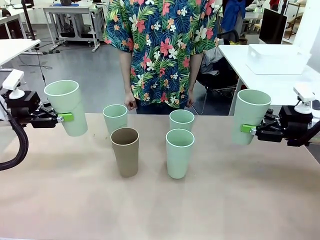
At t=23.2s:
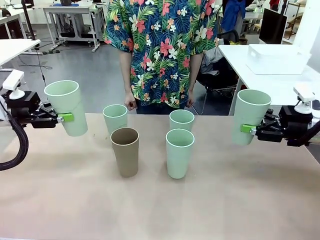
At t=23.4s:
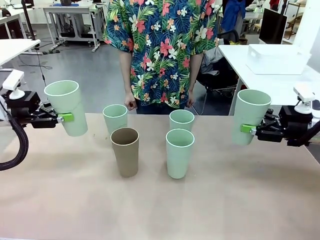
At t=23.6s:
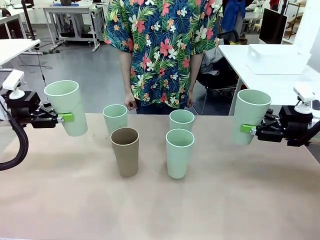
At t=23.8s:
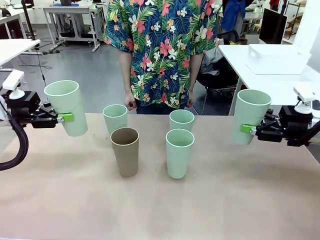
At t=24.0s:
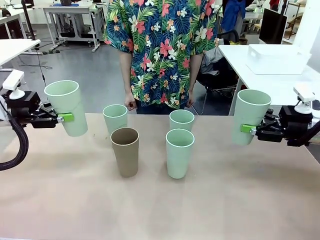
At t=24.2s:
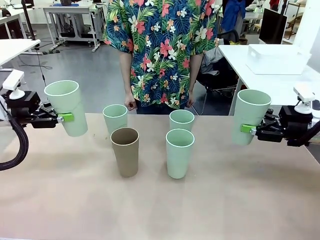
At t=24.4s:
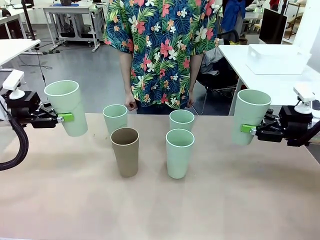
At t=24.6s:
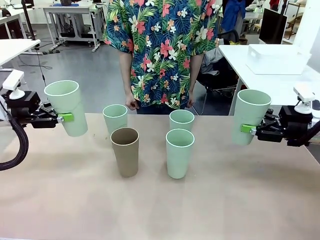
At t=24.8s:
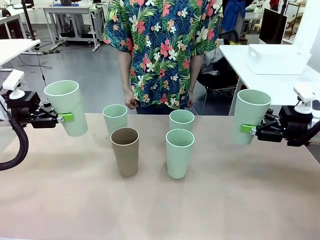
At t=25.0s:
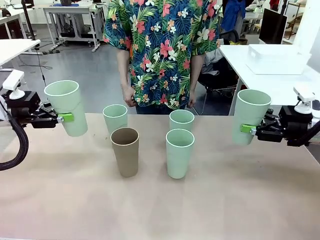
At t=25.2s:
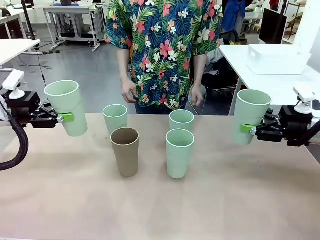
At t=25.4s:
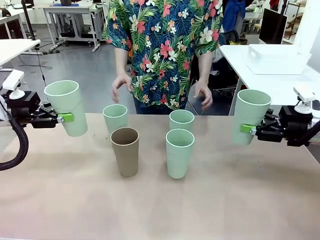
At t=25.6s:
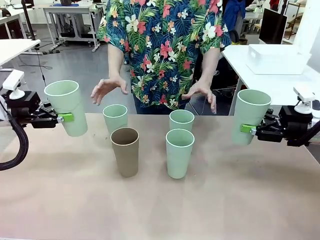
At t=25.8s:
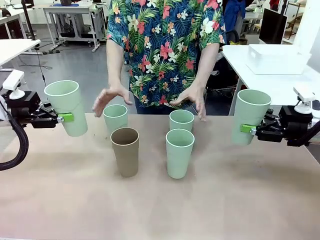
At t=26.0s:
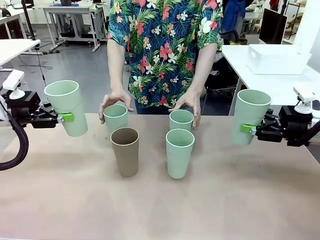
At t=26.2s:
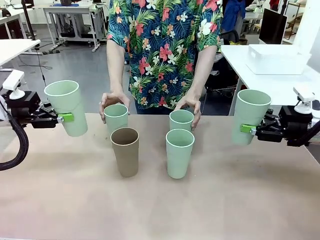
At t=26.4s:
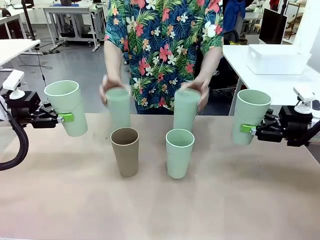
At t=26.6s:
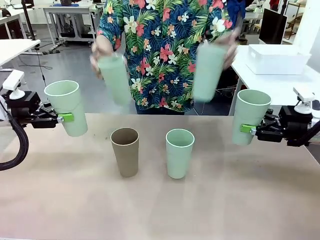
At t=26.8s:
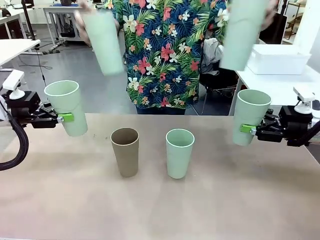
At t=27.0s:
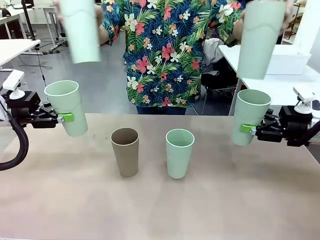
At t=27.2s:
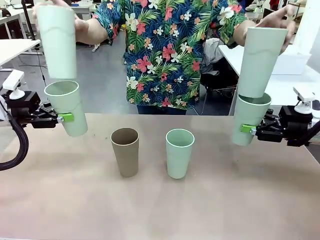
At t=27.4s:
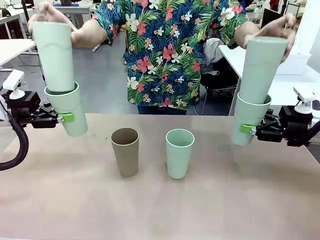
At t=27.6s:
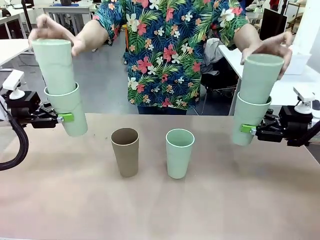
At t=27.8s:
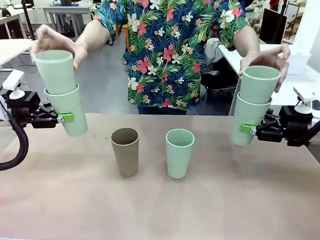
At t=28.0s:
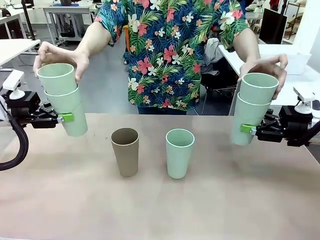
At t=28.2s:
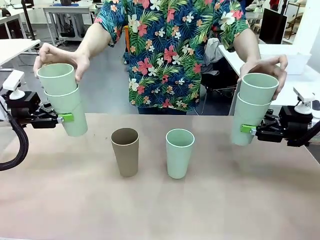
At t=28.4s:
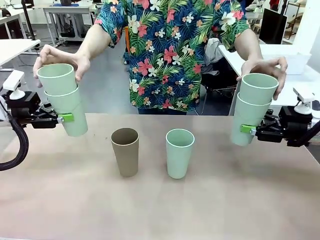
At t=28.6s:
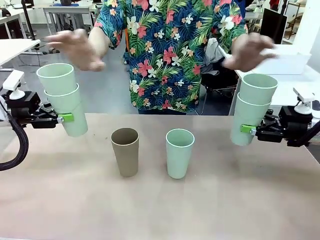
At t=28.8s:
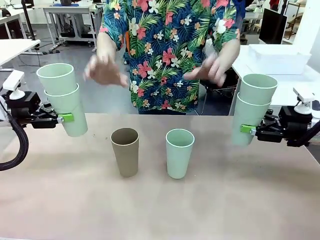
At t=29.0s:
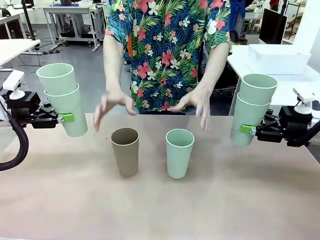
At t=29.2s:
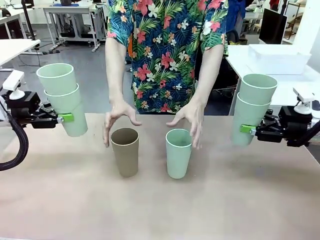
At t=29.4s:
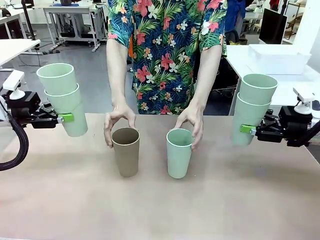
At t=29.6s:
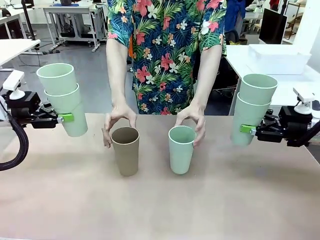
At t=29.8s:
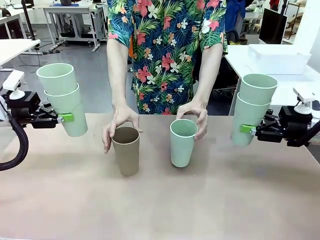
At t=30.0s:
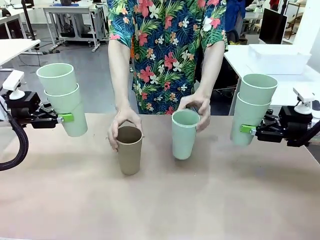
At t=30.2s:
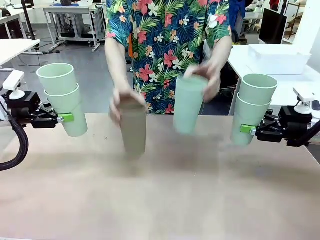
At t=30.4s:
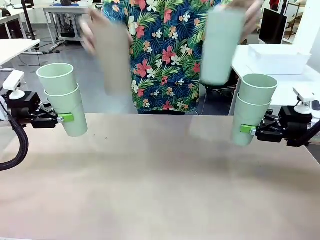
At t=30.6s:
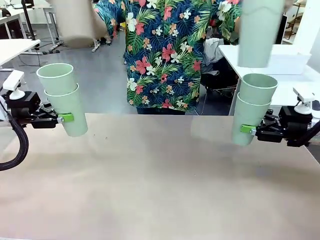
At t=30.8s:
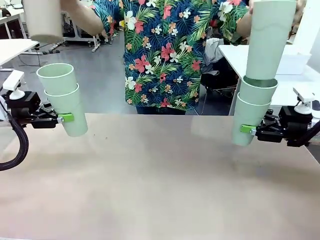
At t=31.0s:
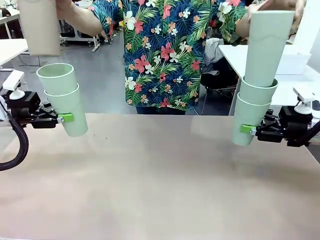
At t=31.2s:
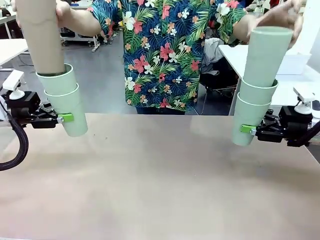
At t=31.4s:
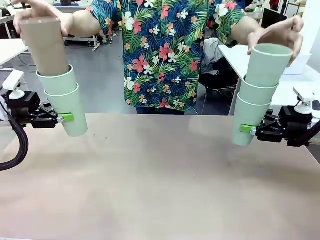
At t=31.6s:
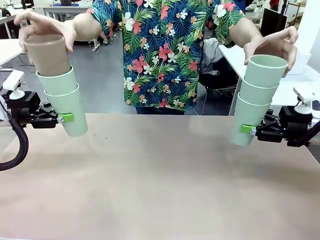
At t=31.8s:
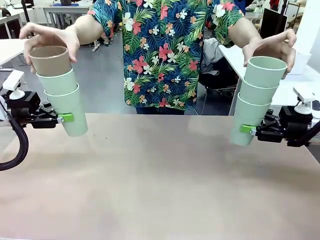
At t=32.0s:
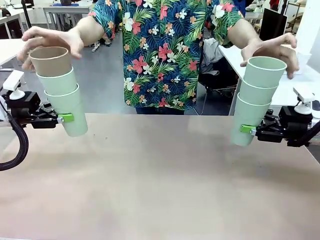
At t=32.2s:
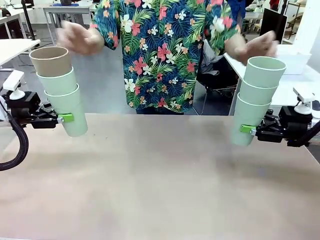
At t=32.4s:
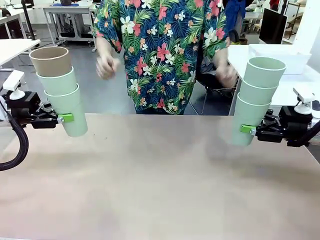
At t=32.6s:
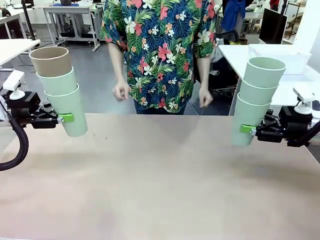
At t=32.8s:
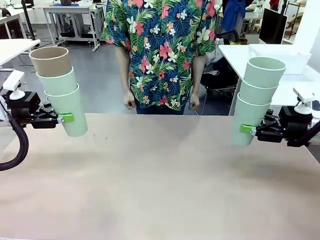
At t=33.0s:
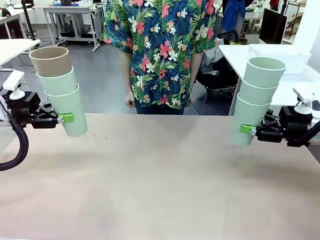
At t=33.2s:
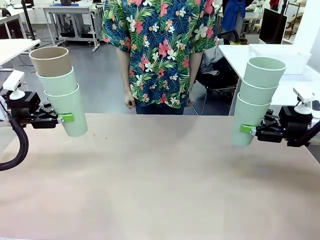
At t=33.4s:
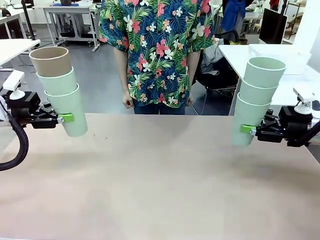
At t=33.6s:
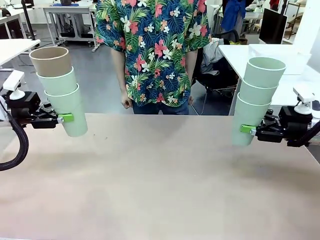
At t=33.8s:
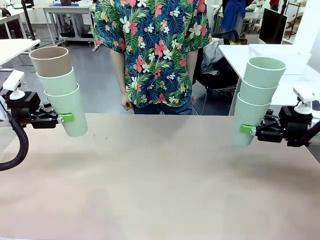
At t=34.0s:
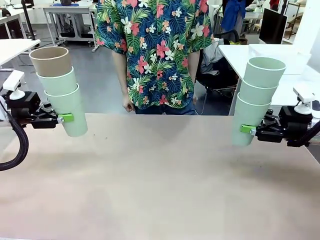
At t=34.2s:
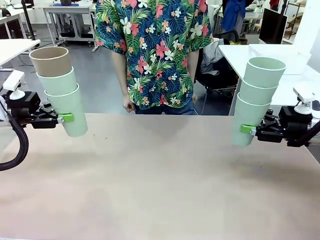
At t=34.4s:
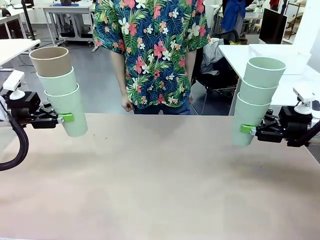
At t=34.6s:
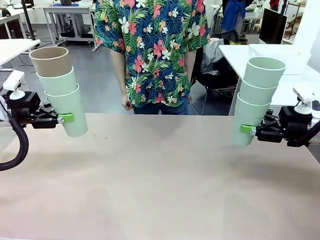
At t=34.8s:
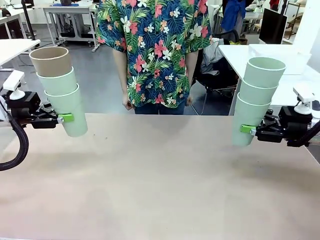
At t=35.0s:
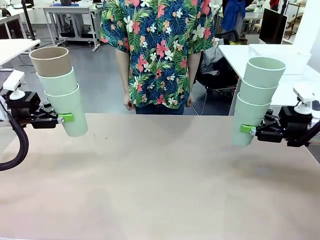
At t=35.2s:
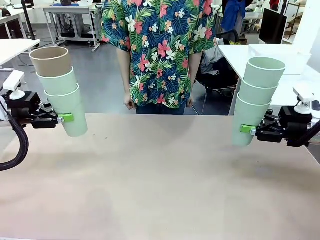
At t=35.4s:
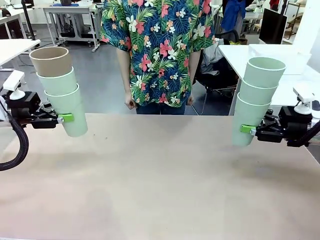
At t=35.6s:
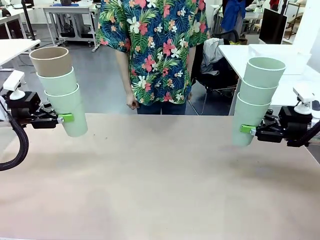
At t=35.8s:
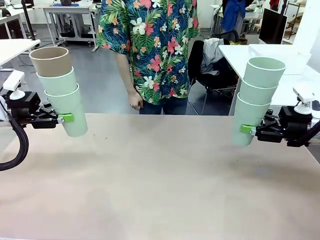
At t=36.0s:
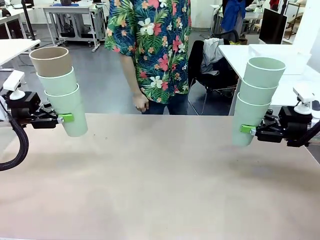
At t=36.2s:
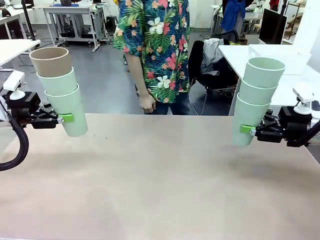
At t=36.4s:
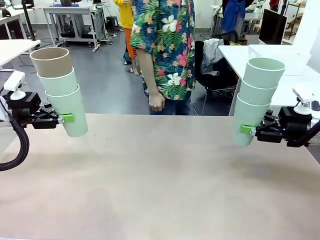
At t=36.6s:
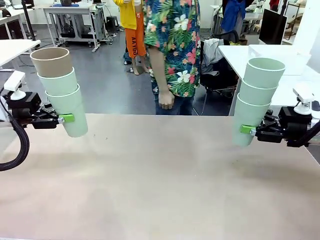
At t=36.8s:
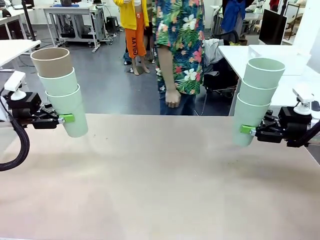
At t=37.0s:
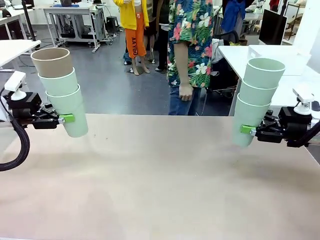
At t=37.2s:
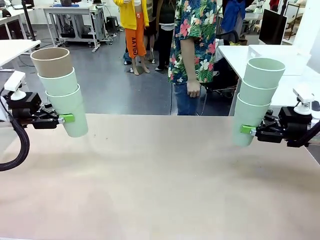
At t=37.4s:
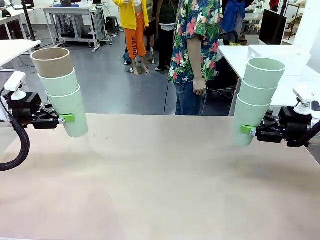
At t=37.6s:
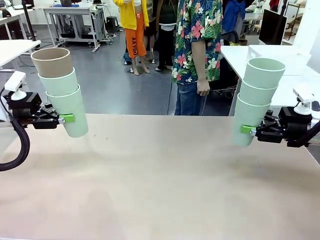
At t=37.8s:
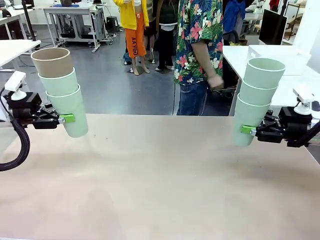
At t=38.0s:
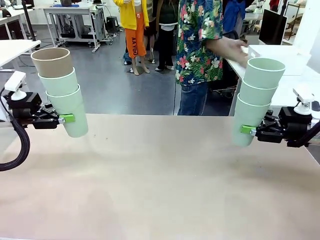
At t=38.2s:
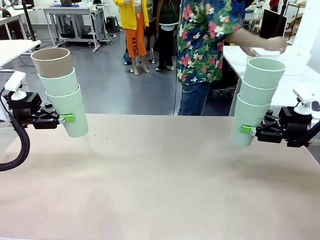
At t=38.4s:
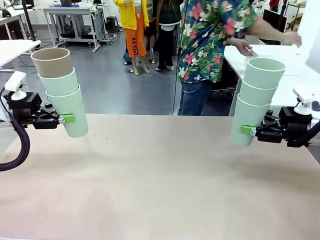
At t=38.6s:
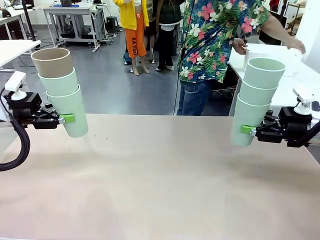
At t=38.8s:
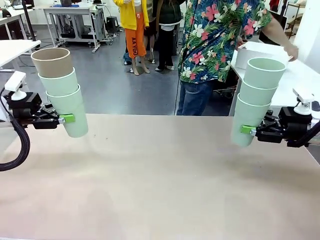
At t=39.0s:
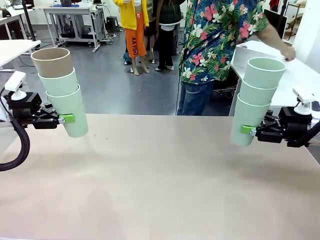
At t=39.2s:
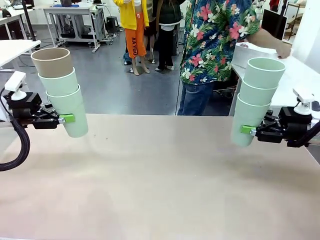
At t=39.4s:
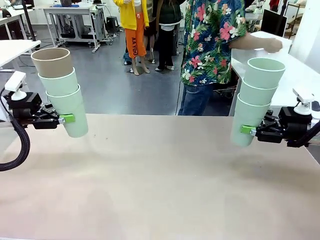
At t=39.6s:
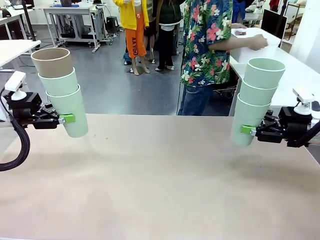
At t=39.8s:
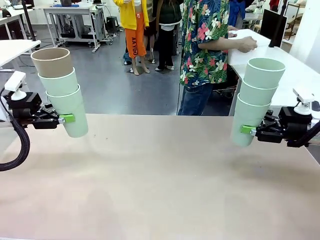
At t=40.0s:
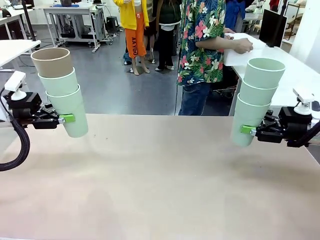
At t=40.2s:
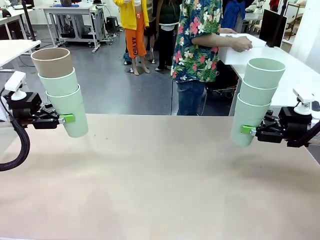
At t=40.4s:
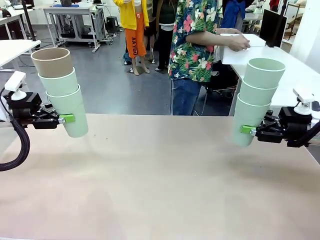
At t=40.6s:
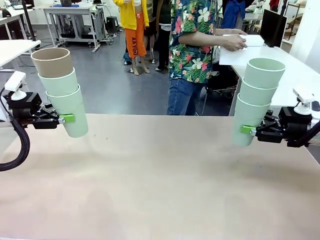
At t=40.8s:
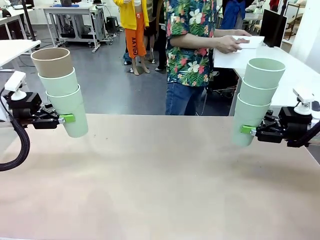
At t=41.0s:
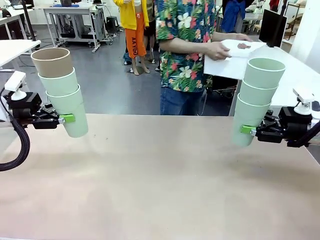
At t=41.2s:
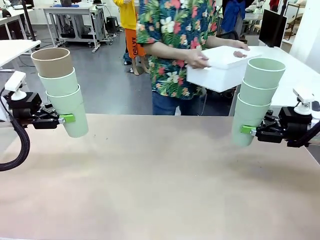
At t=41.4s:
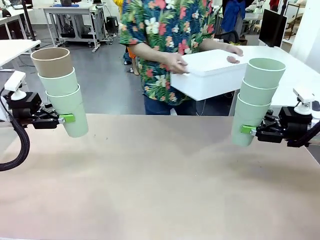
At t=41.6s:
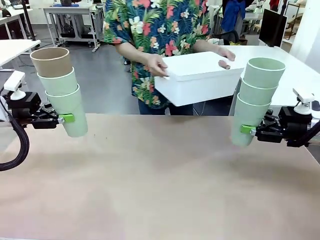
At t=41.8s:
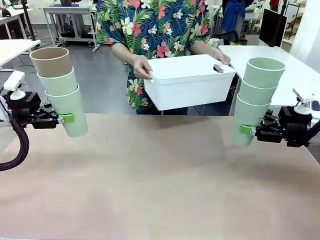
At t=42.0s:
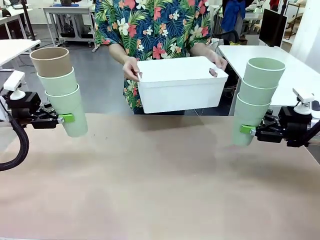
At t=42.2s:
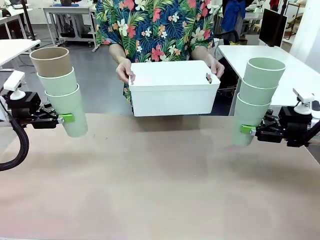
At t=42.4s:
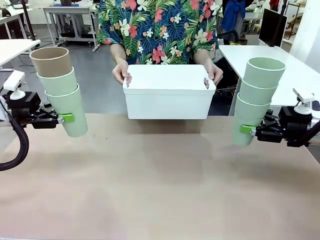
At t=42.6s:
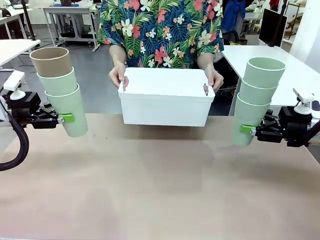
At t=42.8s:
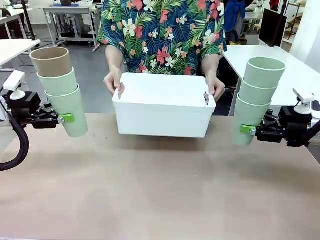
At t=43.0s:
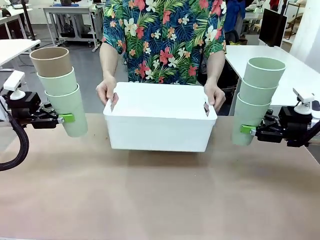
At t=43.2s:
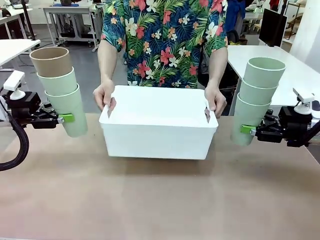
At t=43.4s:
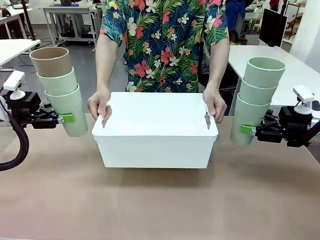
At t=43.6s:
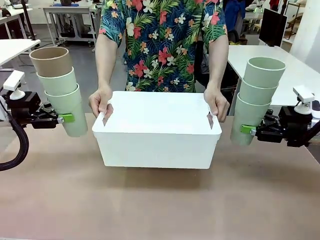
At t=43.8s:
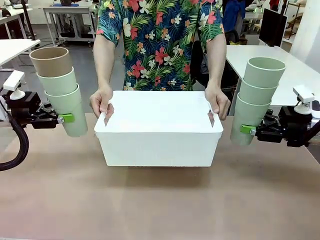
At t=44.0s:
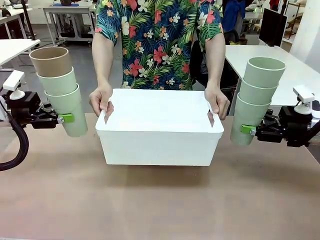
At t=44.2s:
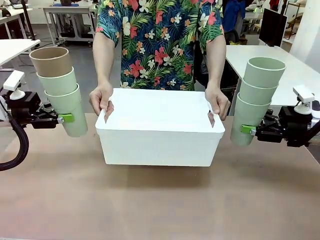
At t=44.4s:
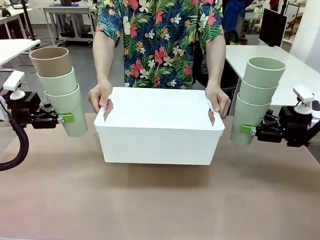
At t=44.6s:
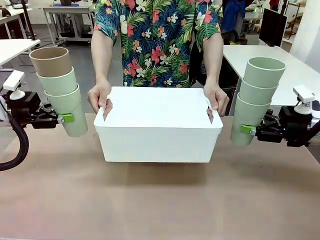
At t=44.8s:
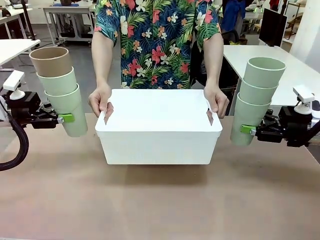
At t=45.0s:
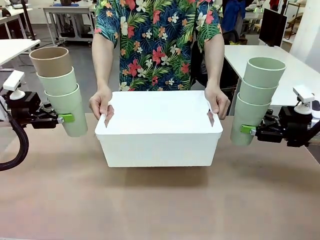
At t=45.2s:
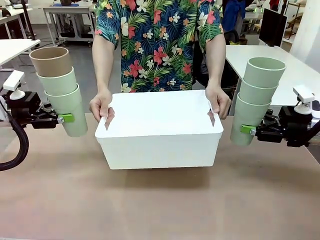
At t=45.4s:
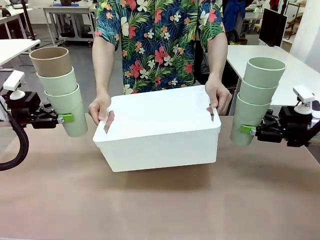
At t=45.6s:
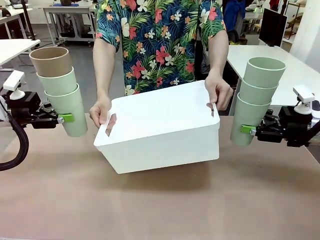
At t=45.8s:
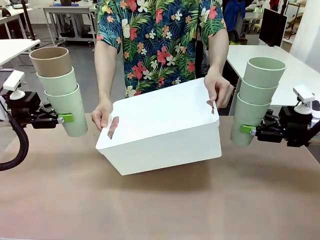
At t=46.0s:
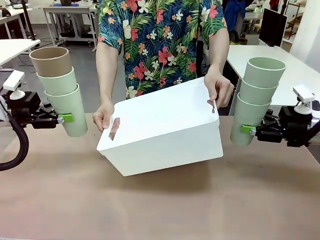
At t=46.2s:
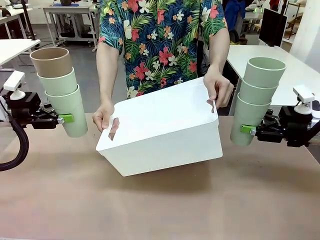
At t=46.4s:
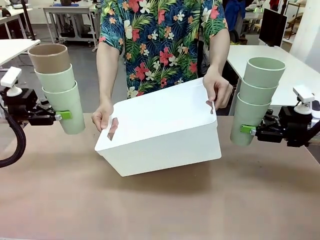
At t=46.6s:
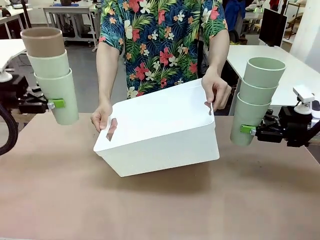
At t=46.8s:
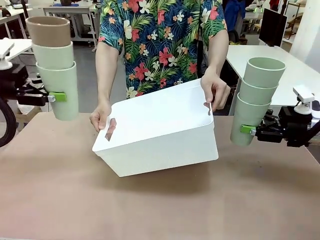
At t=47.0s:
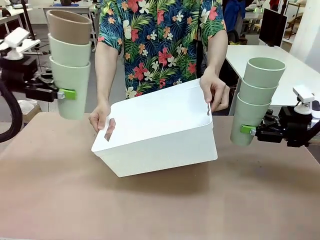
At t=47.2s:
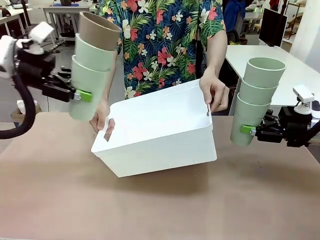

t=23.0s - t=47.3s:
Task: Stack the cups and store them in the basket.
Robot: Place the stack of Reusable plastic cups into the Pantry Basket.
Person: Pick up the basket from the Human Table, bring it to the front of the robot, and present it.
